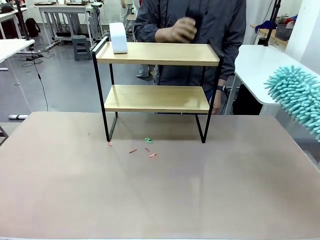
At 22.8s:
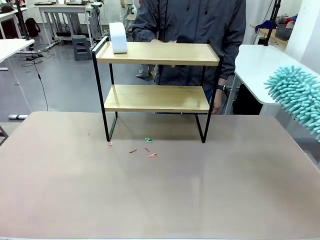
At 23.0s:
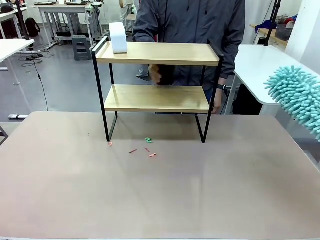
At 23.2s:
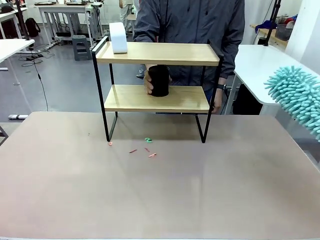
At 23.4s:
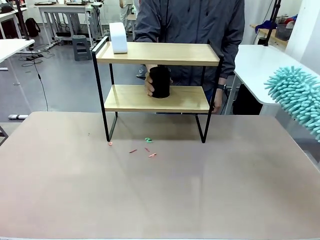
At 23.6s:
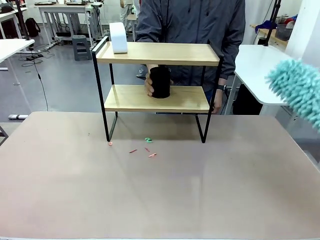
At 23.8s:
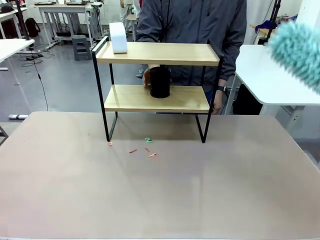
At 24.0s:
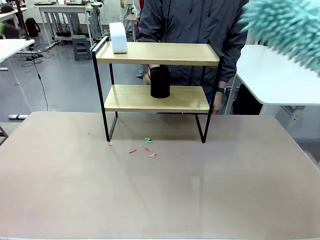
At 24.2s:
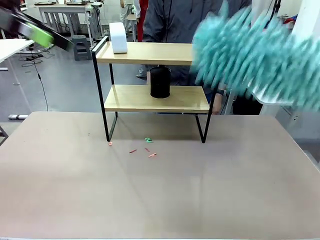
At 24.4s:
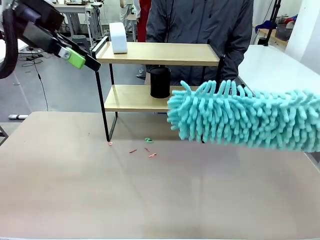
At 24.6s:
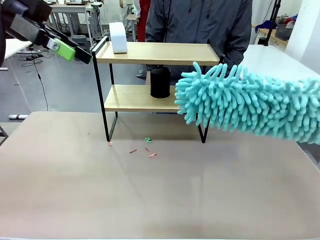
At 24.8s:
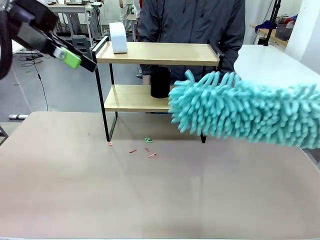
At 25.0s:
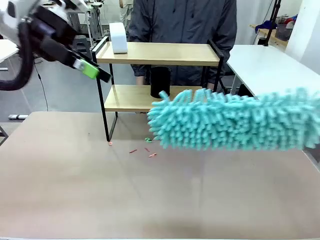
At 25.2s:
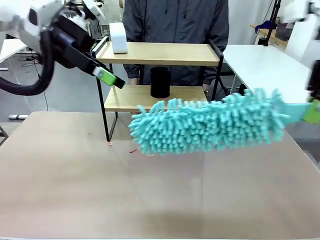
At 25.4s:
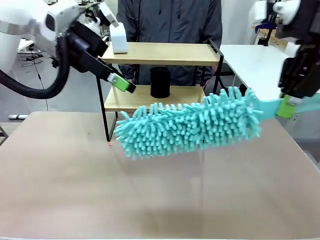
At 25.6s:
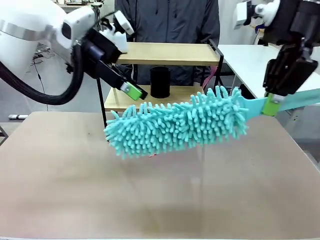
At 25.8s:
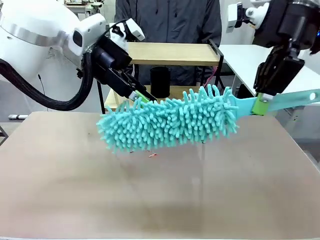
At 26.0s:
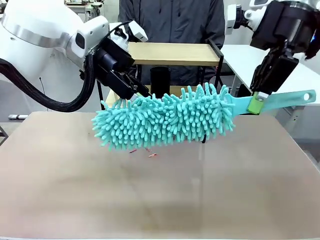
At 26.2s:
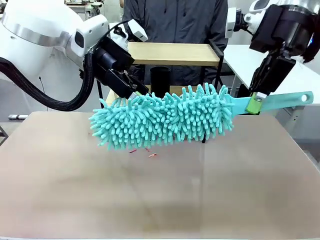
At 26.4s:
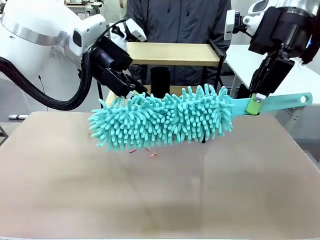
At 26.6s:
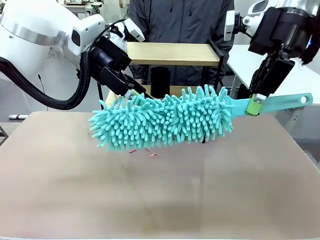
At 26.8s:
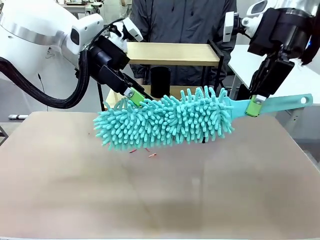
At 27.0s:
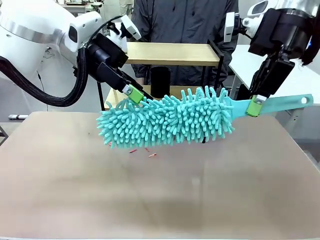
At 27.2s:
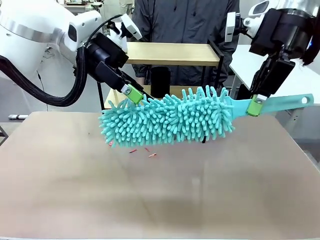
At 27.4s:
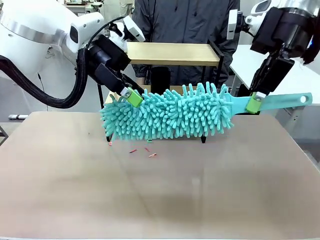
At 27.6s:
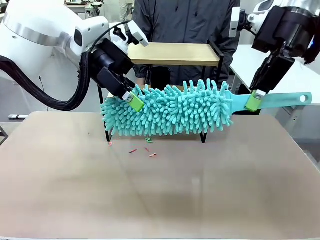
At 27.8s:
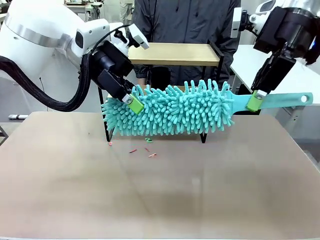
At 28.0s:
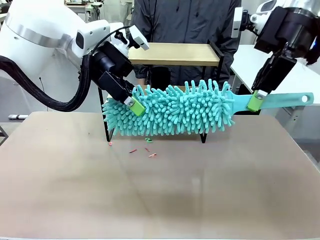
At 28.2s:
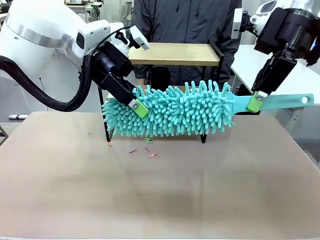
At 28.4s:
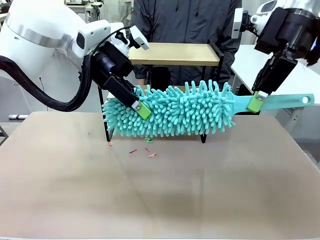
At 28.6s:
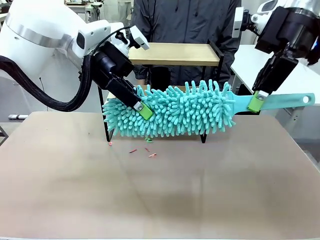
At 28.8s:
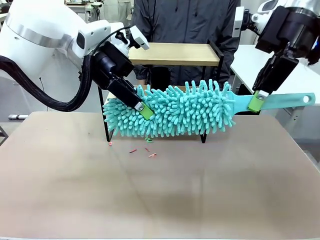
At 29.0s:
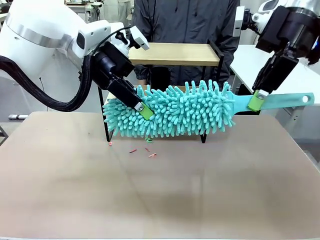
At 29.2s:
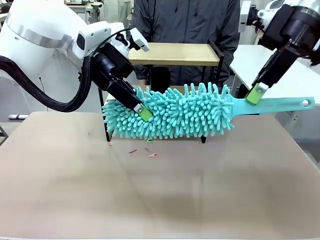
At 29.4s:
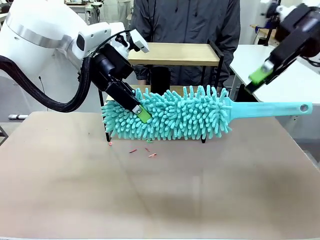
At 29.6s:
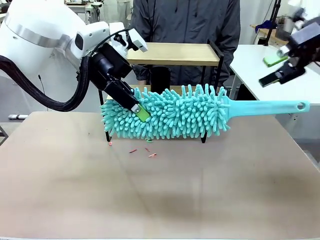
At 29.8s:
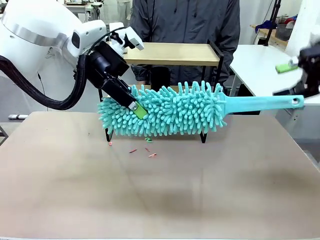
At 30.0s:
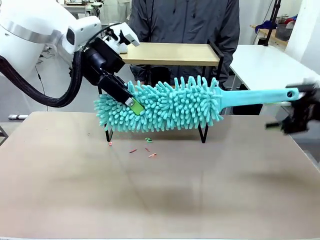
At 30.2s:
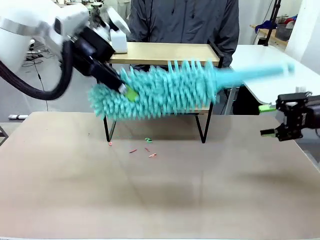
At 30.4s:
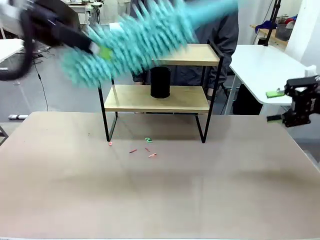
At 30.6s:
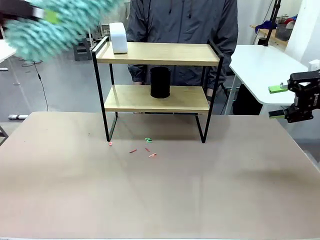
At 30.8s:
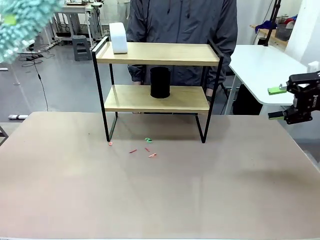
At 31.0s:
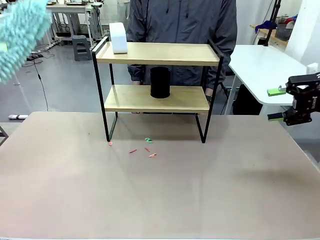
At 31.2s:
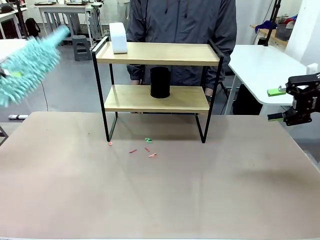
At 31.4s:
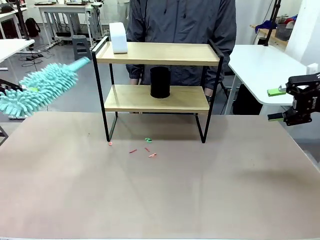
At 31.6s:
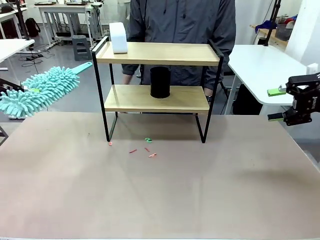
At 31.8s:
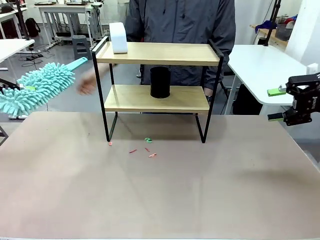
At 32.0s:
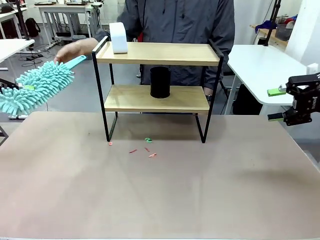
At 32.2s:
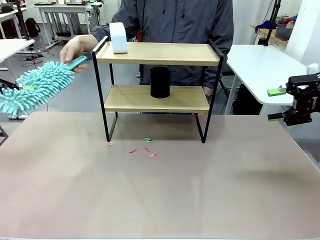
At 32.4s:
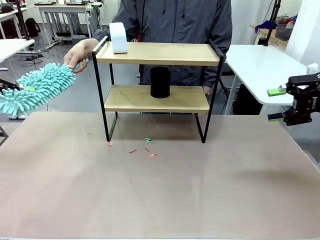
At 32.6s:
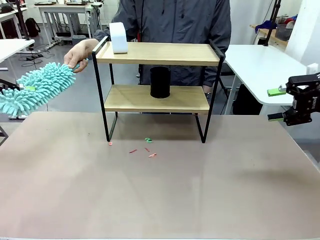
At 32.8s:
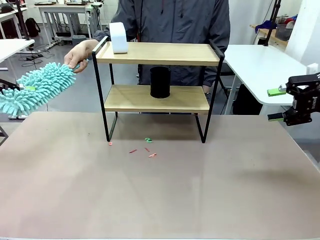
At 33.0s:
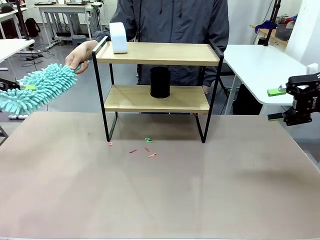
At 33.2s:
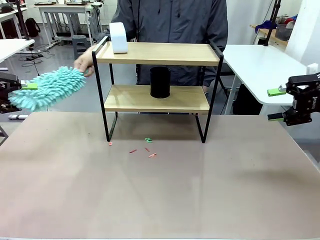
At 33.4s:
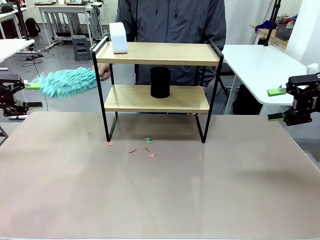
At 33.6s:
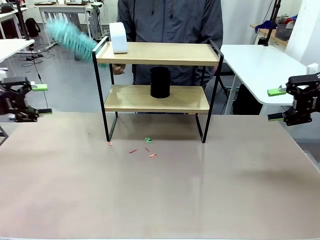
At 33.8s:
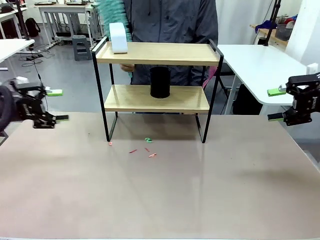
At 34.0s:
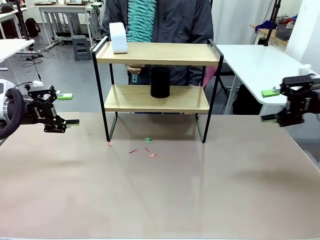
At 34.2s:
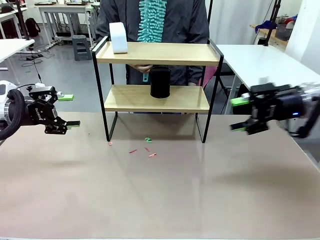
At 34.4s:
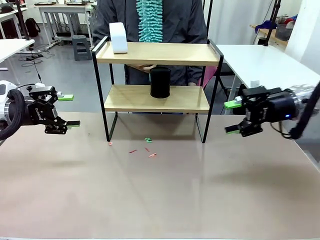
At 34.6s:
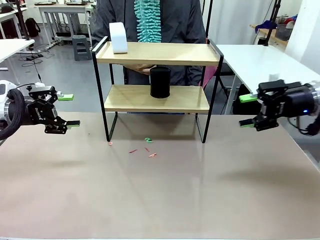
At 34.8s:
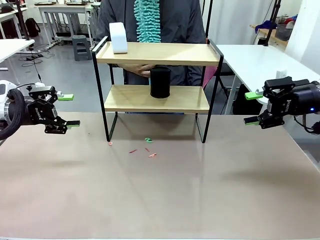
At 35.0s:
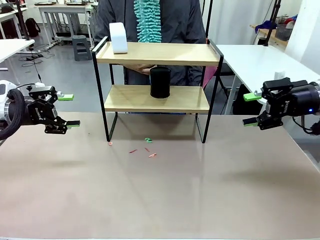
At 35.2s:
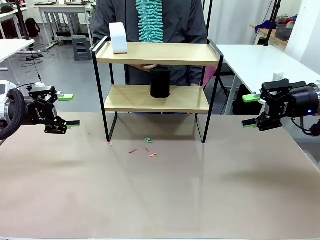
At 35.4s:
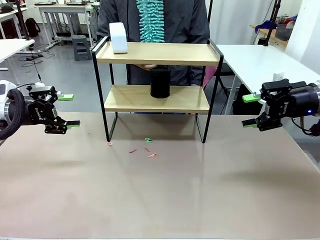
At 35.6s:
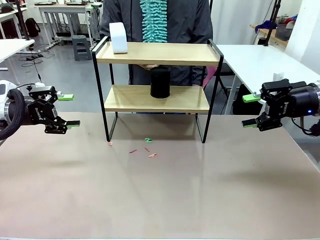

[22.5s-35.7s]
Task: Clean the shelf.
Robot: Hand the Duster back to the human.
Person: Receive the Duster from the robot.
